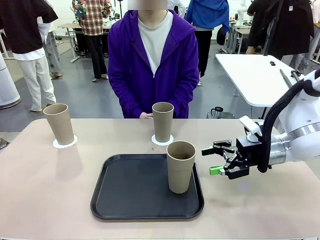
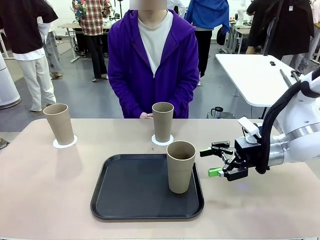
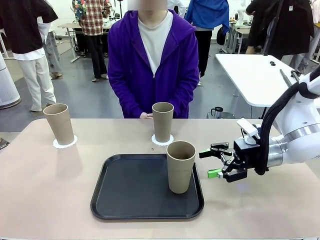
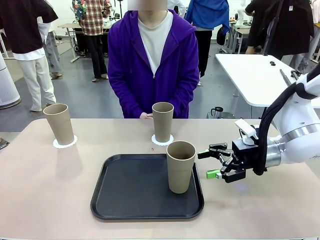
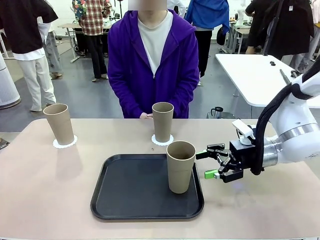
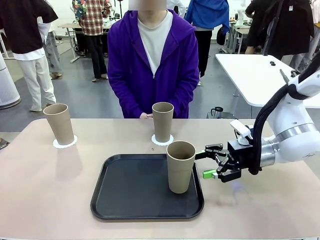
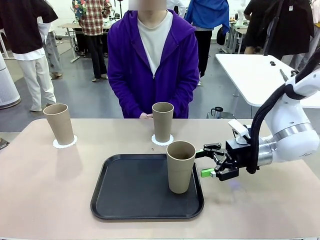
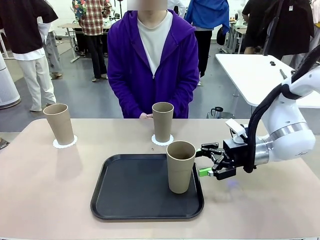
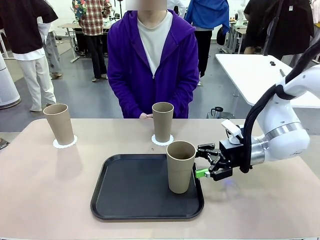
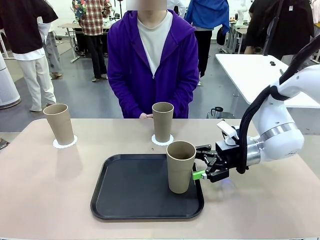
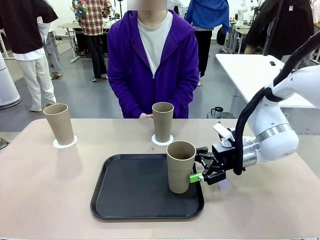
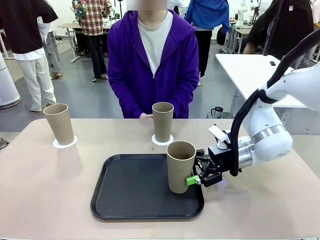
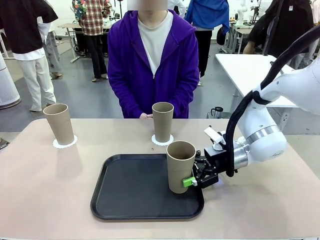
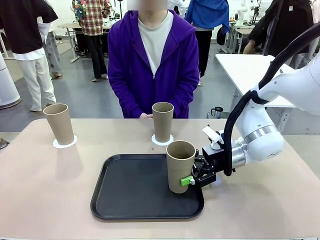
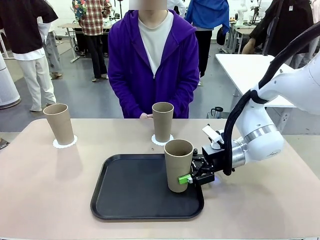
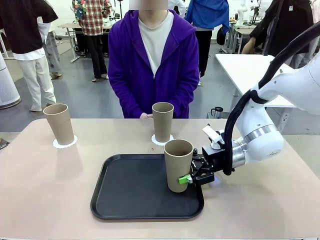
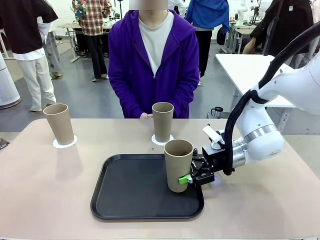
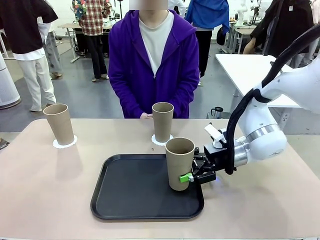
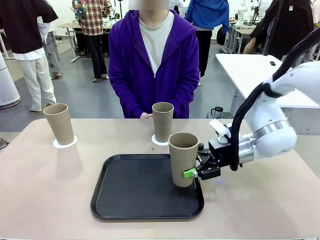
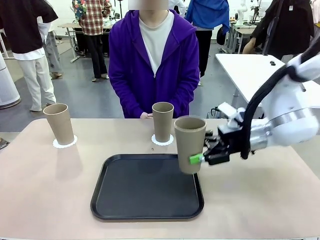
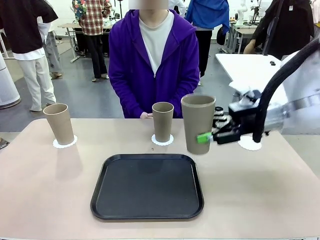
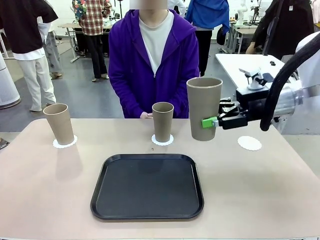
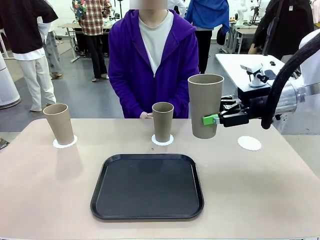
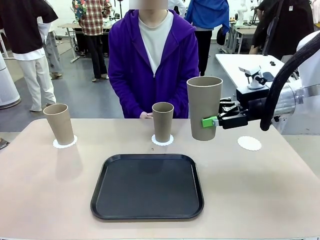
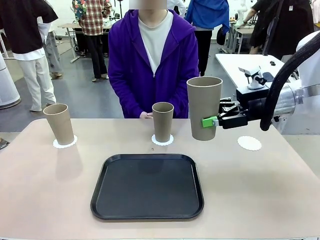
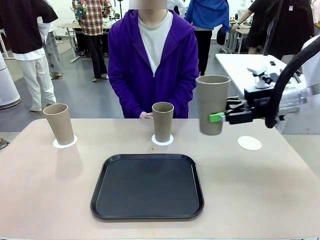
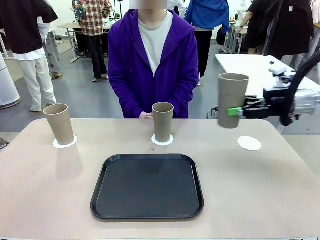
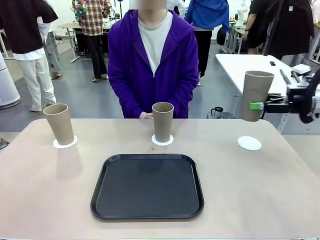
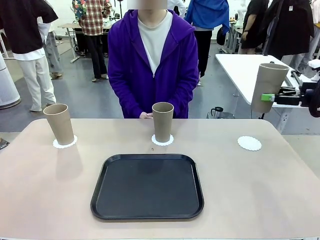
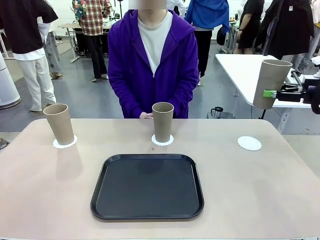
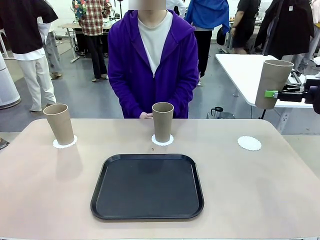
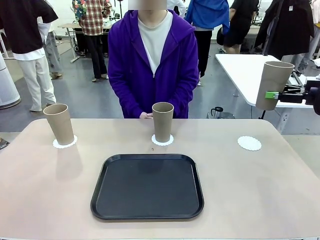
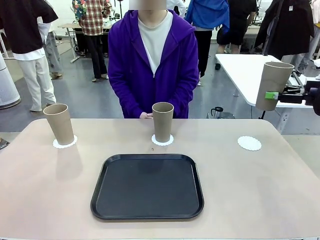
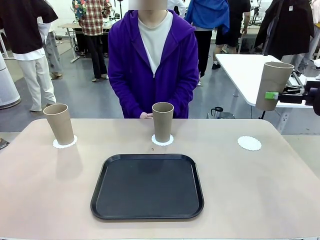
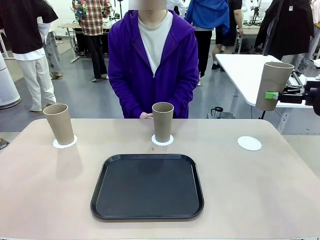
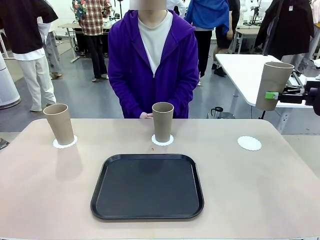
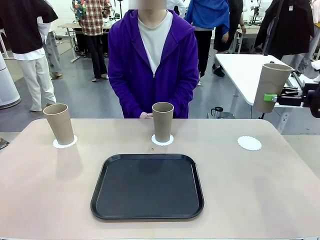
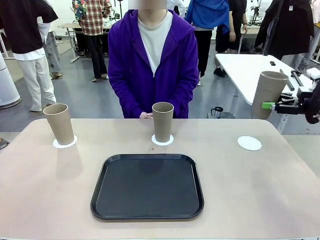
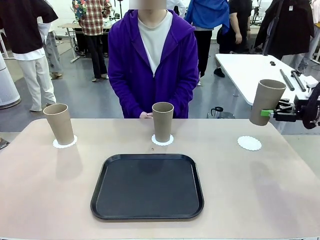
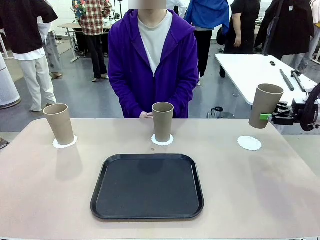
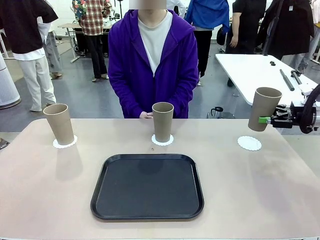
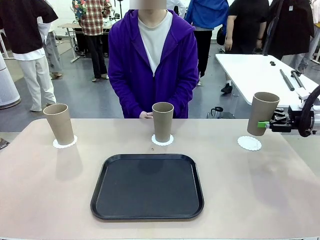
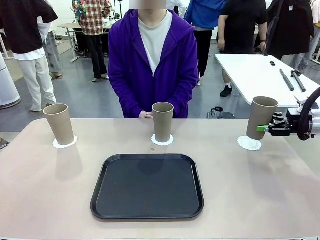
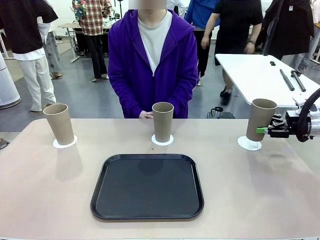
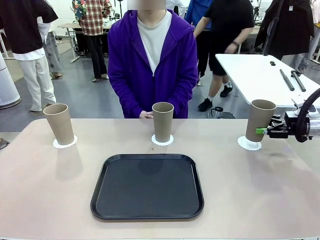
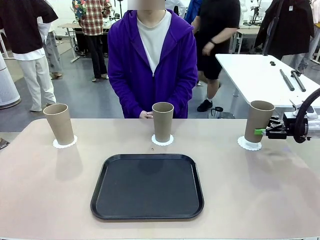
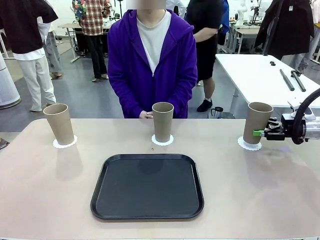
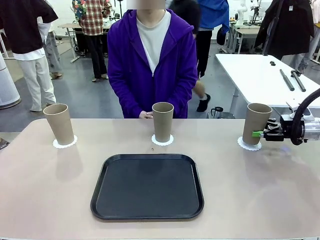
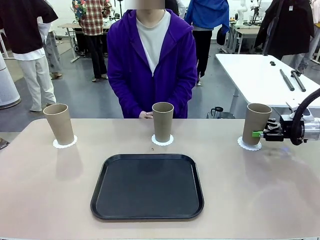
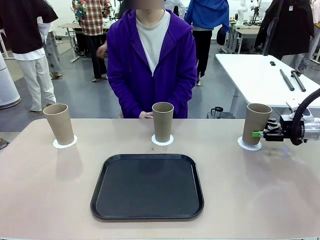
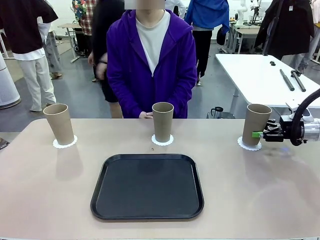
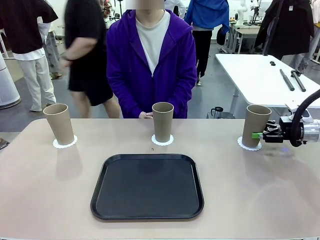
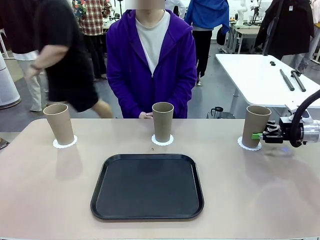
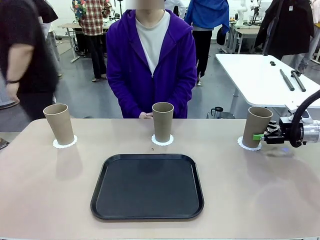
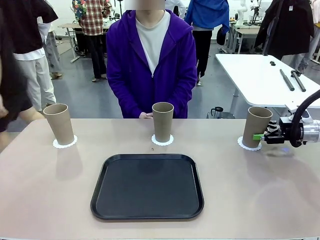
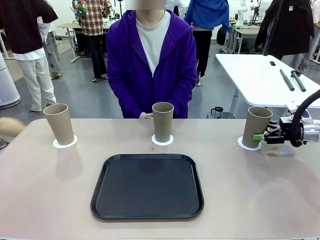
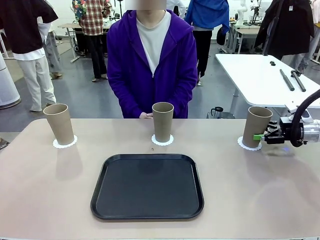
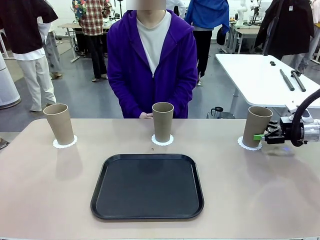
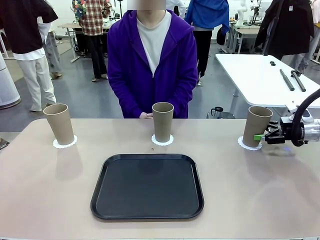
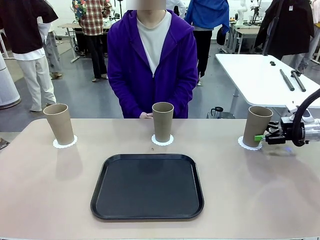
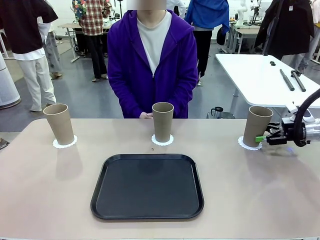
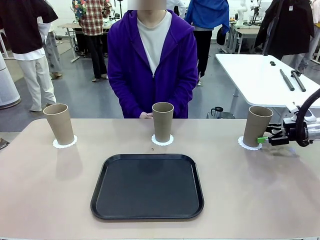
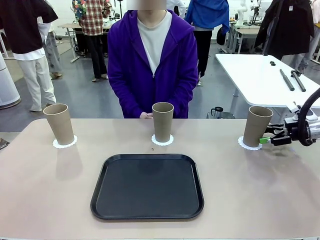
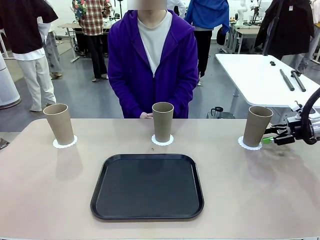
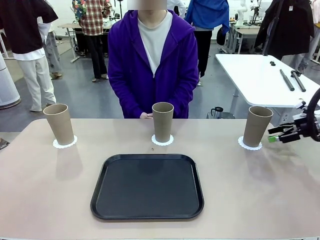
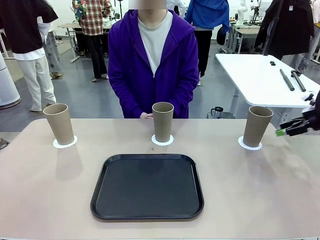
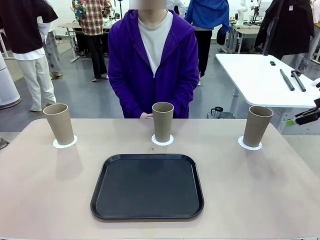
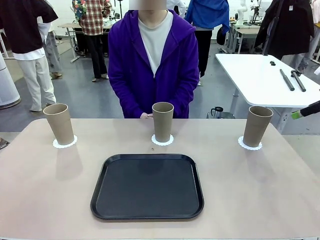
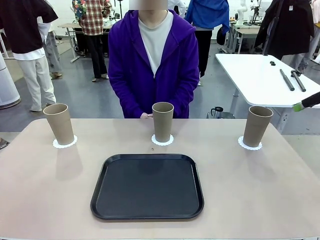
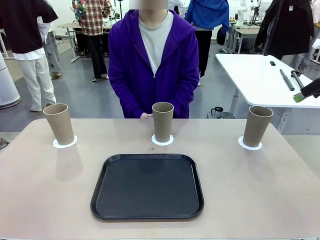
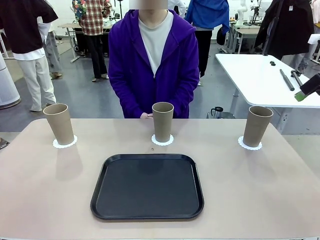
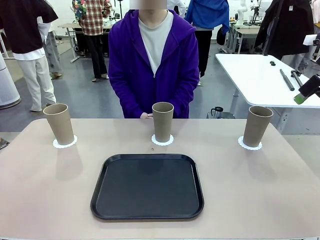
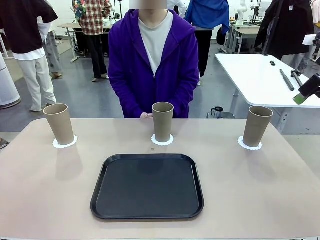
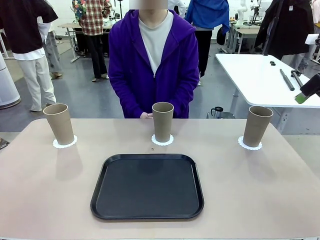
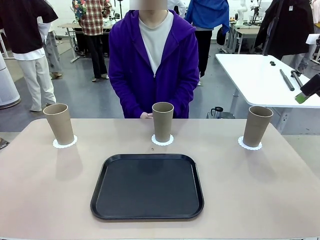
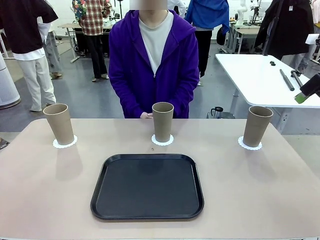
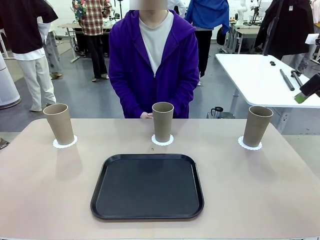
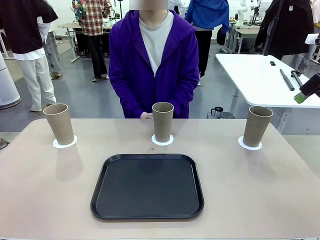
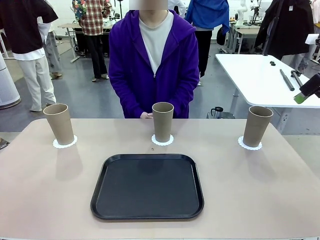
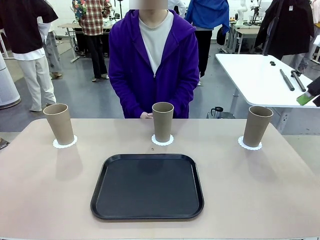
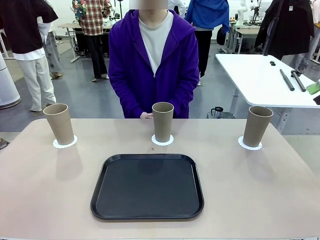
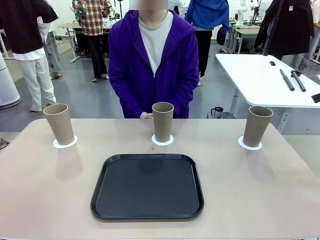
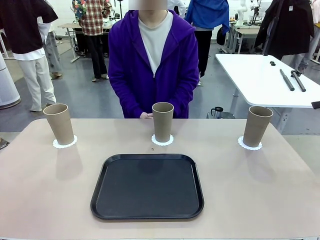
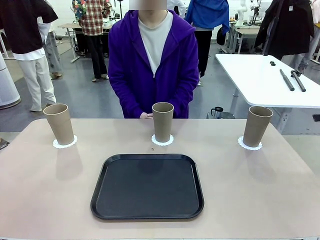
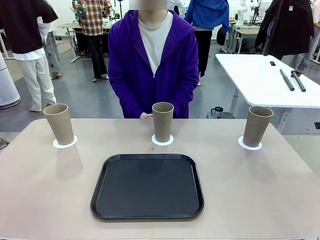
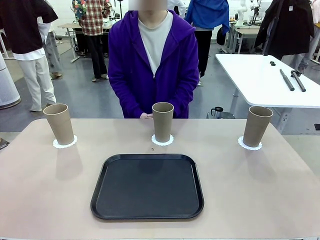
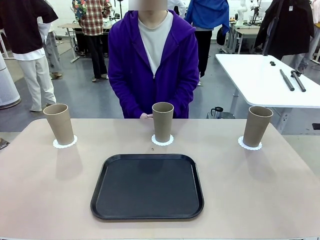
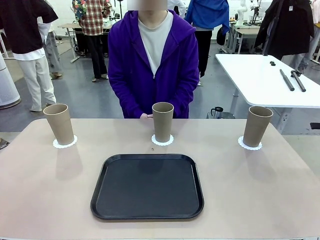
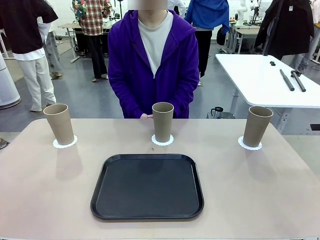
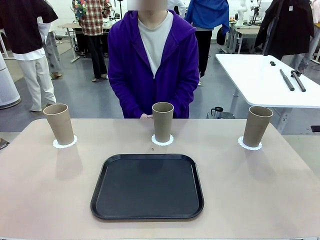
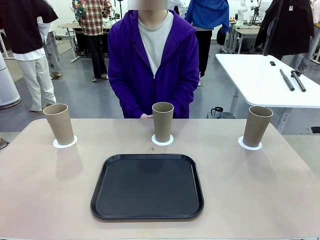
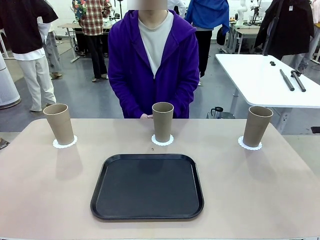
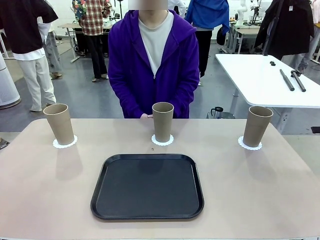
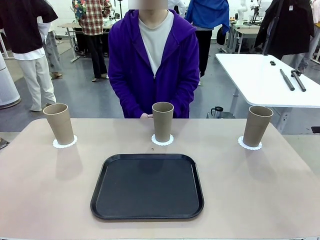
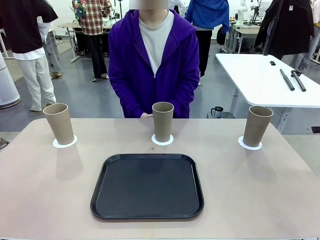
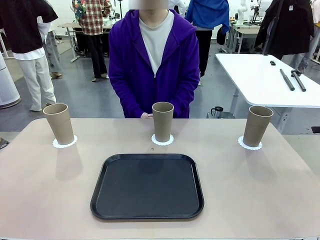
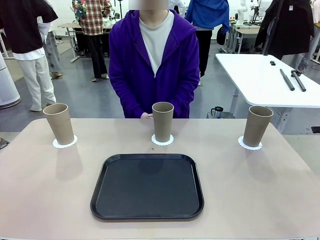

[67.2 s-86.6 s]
Task: Place coasters on the table and set cups on them.
Robot: Take one Reusable plastic cup from the Flat Tray and place it on a coaster set by the human.
